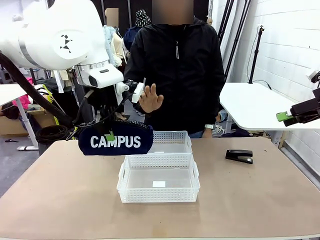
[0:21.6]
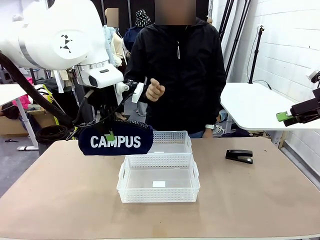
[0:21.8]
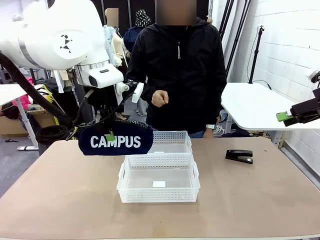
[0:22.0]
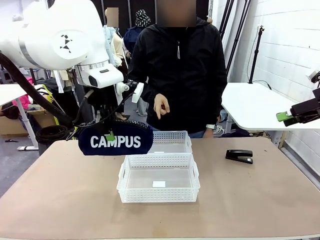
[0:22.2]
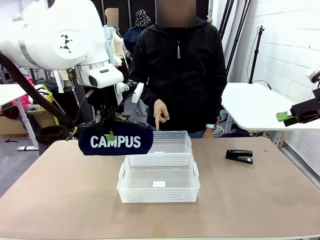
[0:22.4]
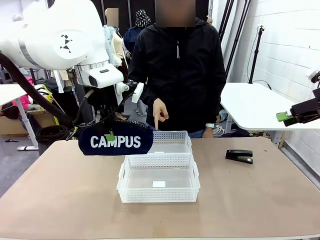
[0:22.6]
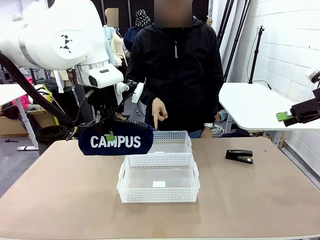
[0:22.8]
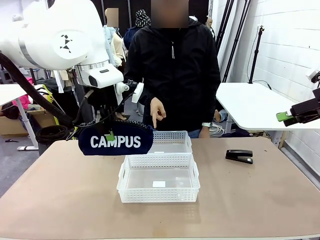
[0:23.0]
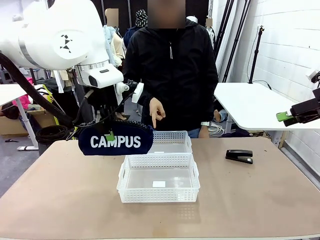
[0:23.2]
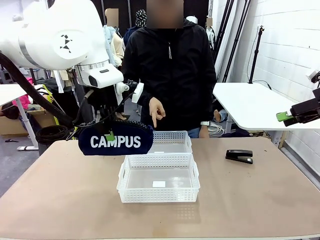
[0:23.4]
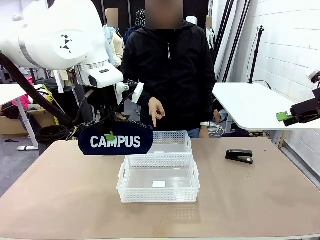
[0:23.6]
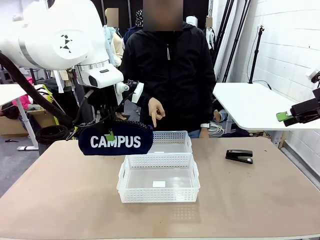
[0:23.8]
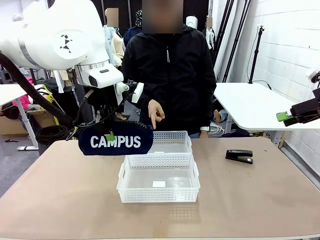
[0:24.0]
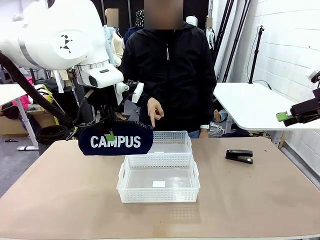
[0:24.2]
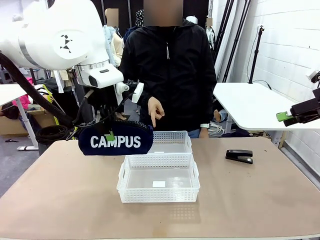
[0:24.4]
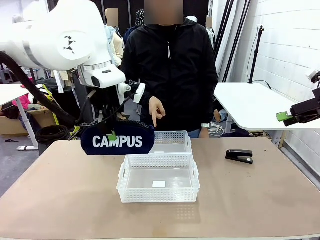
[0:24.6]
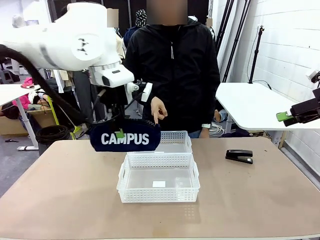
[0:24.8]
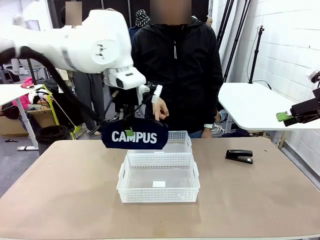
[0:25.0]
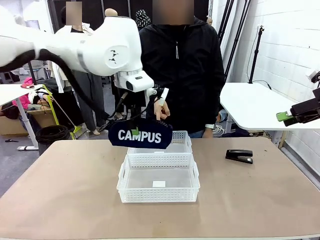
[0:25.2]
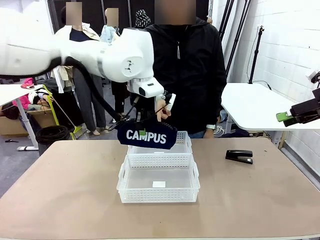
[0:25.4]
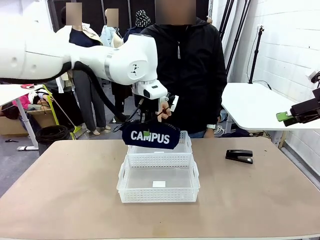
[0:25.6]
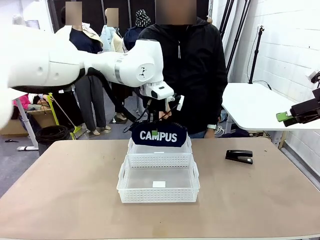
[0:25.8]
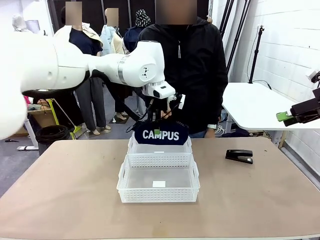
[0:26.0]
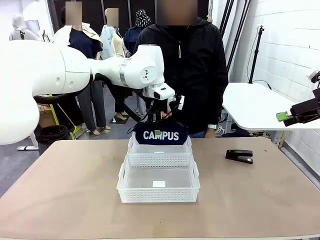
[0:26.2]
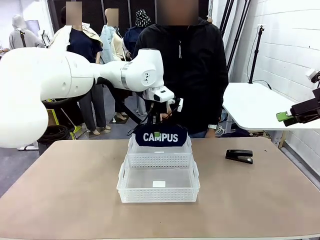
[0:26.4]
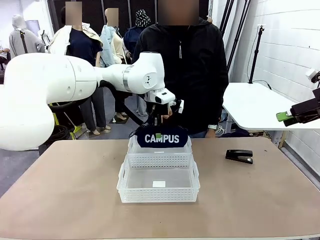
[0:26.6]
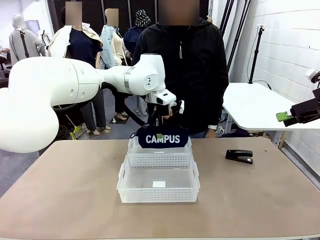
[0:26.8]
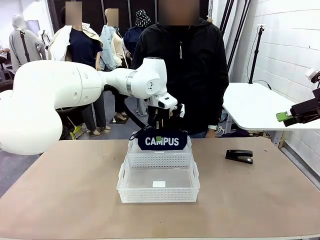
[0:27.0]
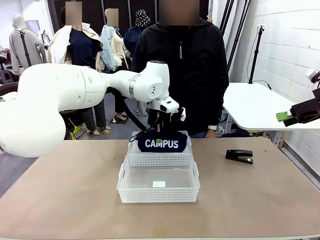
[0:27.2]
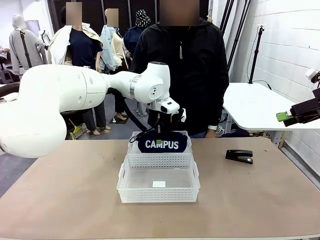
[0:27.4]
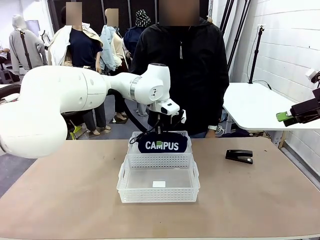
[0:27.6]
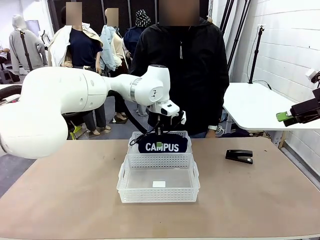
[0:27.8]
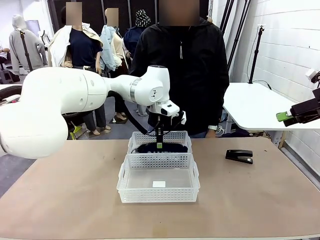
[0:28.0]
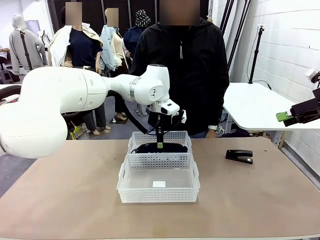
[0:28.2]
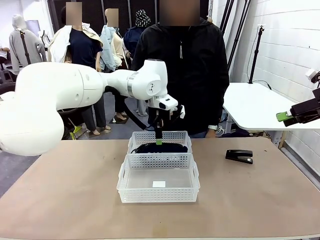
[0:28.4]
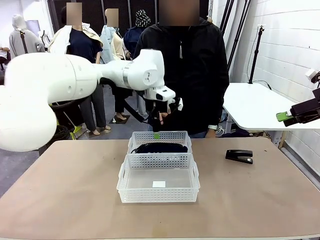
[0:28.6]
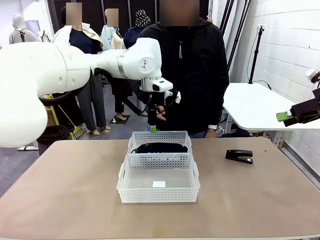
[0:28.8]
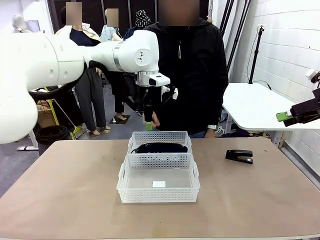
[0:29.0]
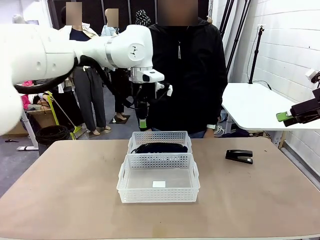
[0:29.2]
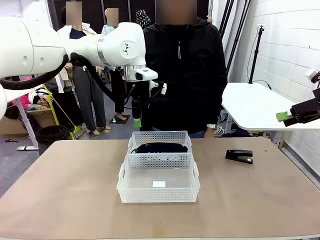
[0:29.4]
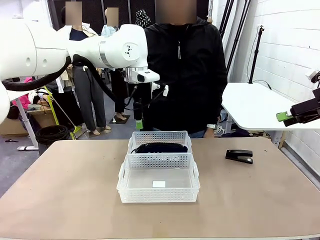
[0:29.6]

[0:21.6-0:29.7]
Task: Distribute items into two baskets.
Robot: Place the picked Pencil pouch into the Organizing basket as instructed by the person.
Person: Instructs the robot to place the pencil case into the opposite basket. Points to the stapler.

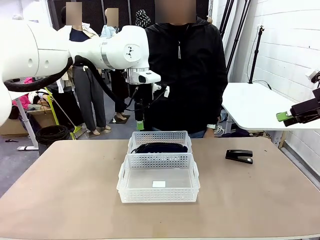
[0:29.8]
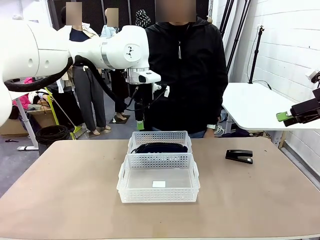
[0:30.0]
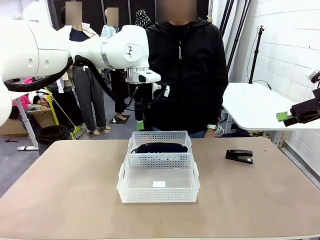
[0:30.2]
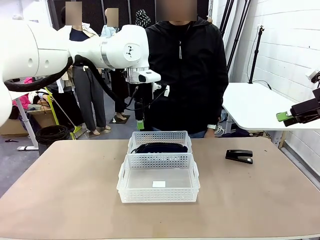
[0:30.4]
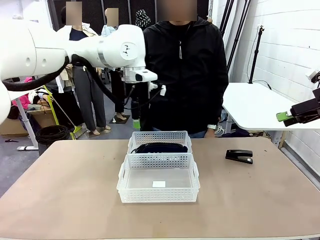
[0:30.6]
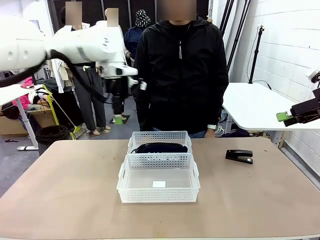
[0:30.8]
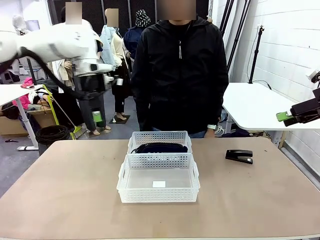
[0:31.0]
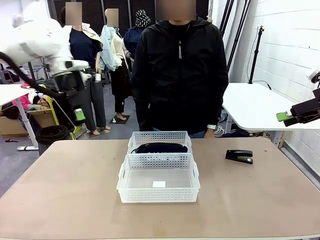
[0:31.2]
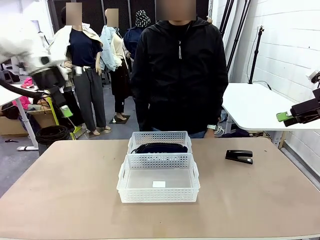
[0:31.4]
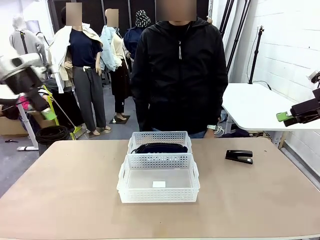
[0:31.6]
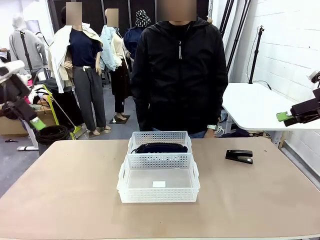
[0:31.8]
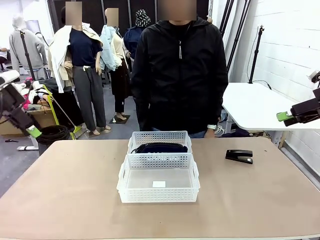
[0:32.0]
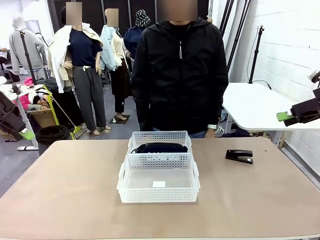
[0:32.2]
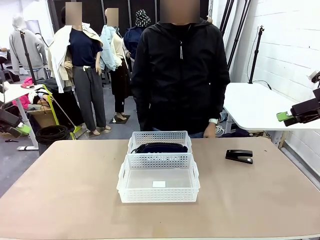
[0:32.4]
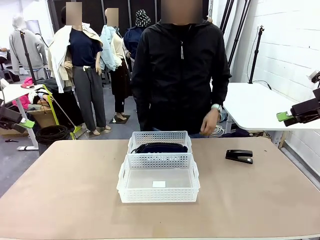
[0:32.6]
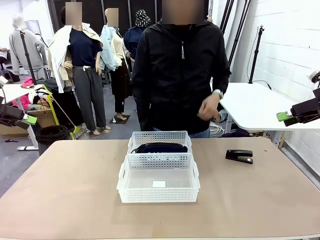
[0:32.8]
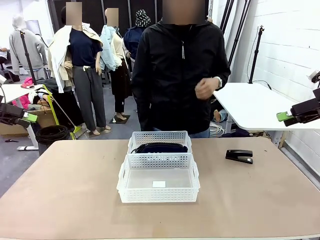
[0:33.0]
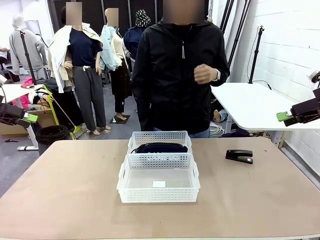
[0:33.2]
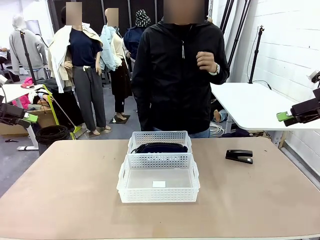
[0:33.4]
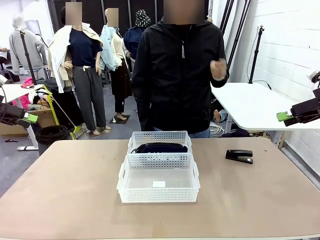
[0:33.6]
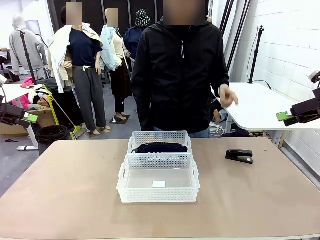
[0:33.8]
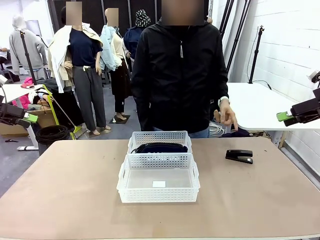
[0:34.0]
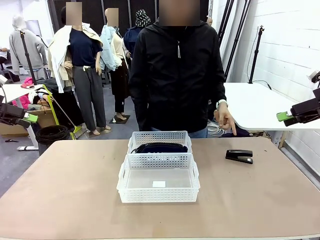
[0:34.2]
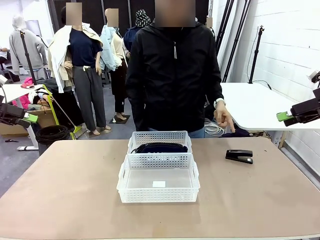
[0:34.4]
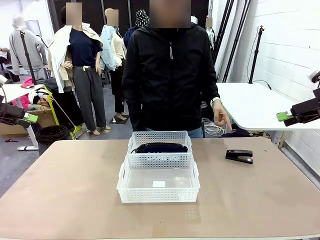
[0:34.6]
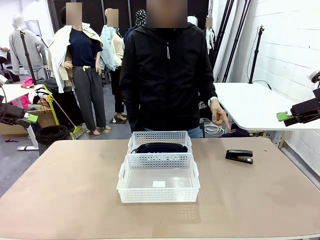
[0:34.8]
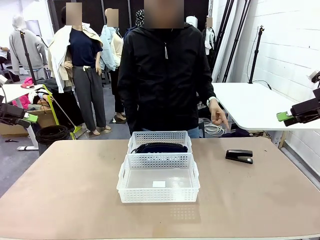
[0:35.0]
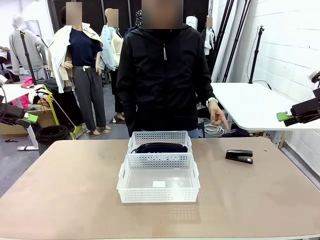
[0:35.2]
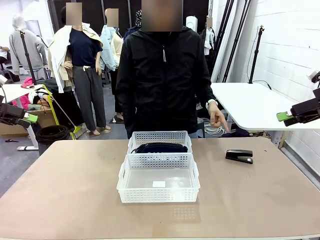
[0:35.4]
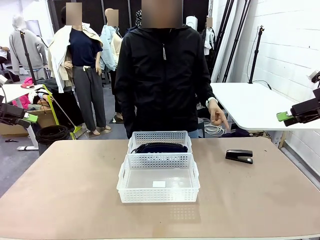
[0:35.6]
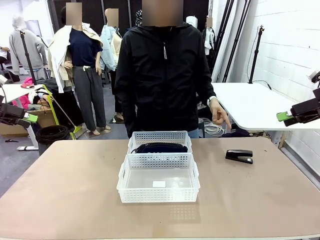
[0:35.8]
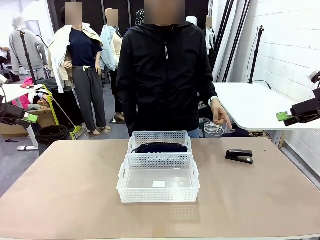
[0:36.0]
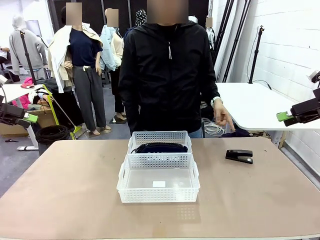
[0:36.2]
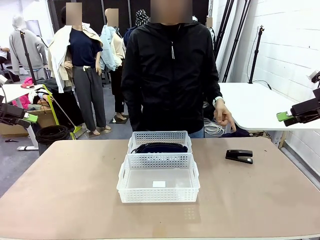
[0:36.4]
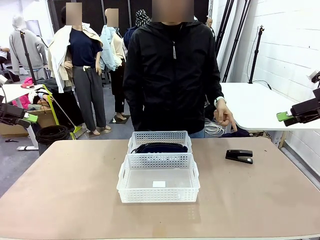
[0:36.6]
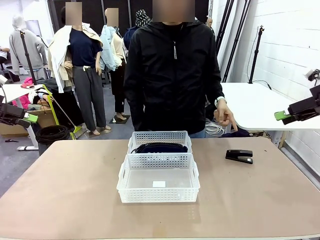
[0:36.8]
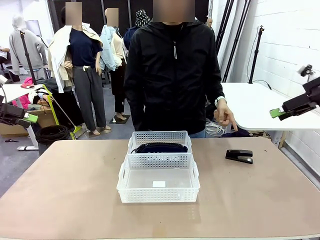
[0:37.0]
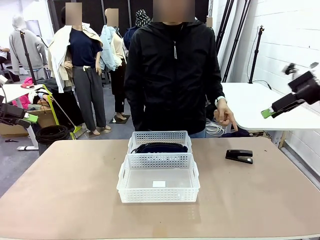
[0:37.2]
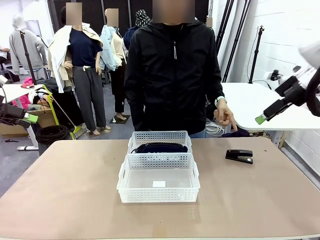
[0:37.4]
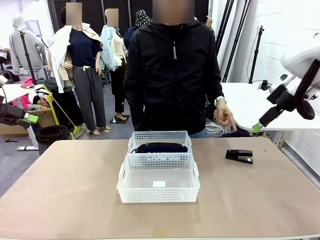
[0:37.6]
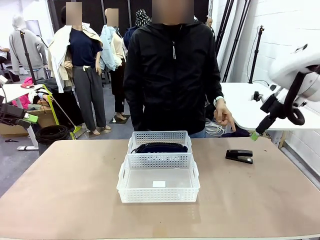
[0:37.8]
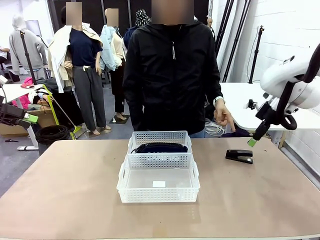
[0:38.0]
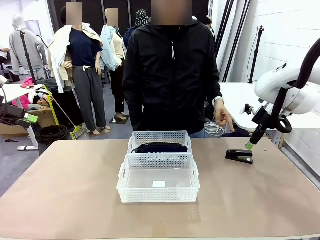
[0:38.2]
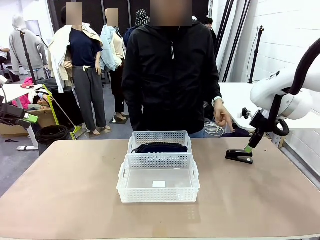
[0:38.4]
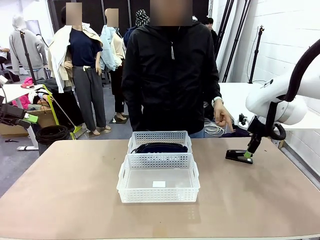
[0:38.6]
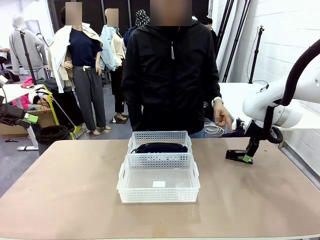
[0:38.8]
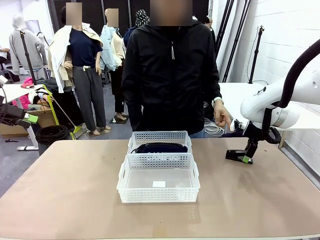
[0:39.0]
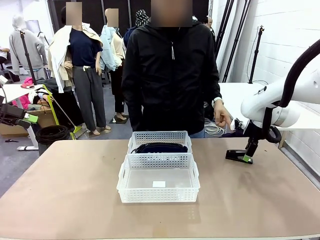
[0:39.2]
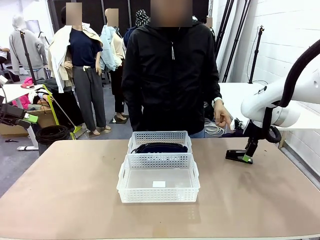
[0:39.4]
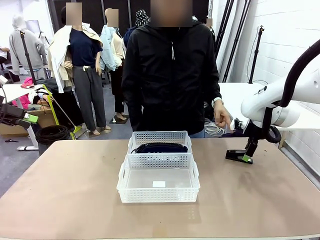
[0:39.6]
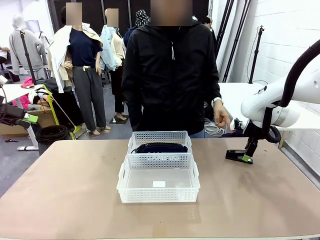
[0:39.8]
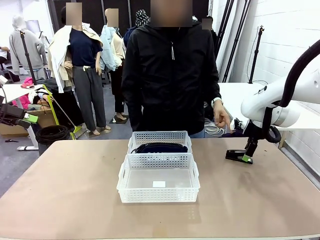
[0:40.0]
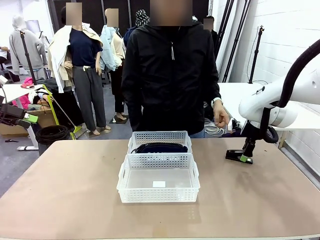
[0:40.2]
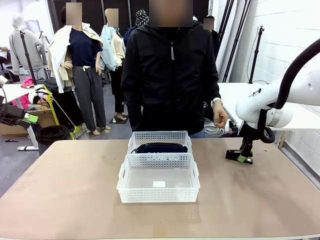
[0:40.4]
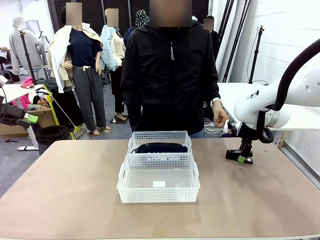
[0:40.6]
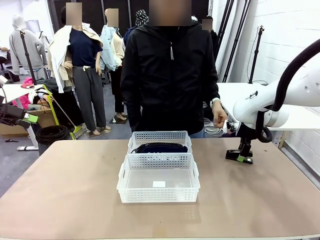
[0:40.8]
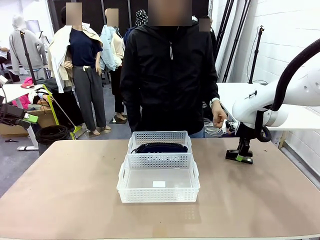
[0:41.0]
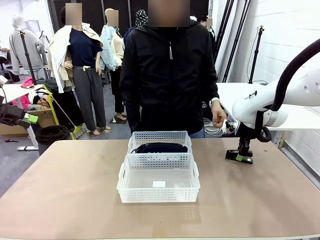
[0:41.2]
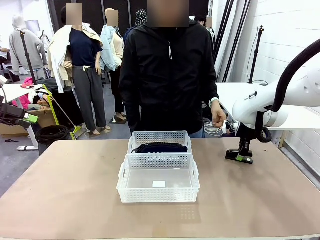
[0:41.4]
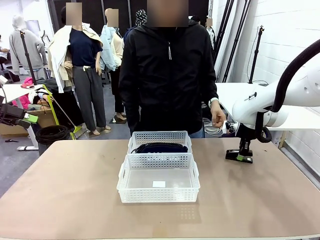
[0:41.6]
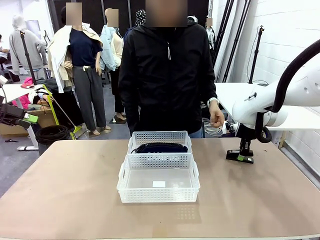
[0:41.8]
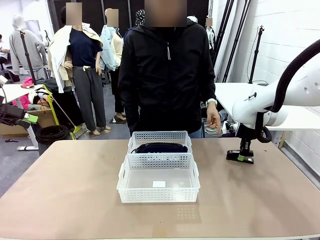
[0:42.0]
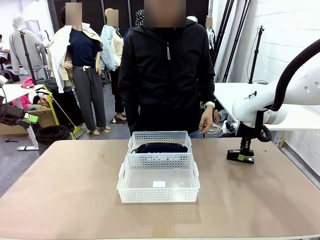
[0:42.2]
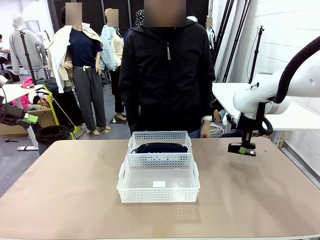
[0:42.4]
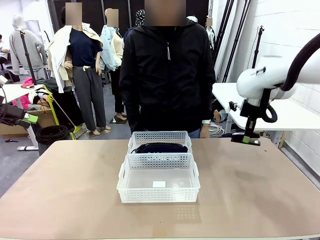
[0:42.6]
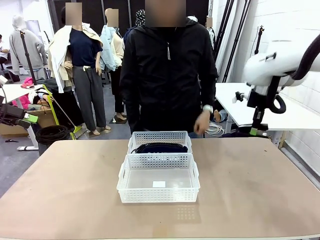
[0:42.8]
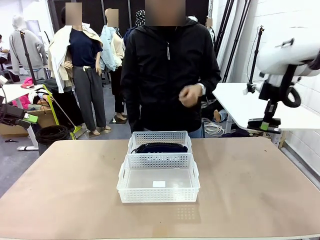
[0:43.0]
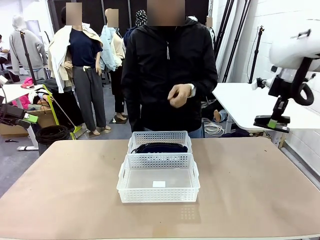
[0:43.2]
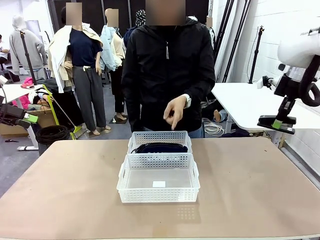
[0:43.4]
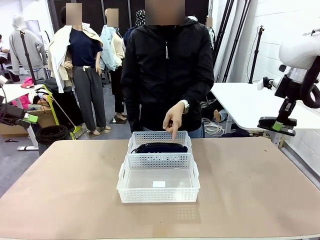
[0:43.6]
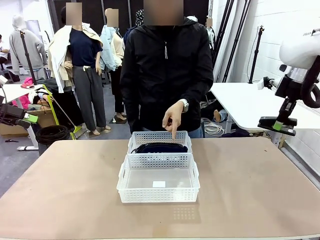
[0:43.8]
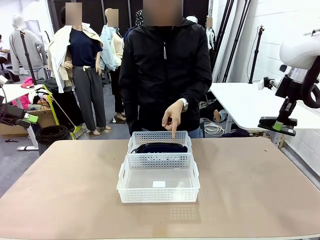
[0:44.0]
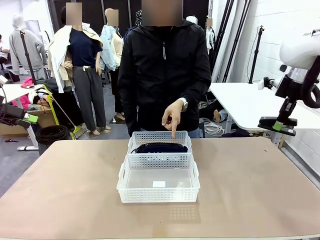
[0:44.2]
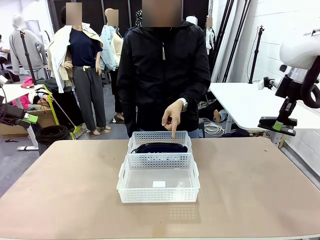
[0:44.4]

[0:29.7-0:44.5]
Robot: Pick up the Stapler that the person points to.
